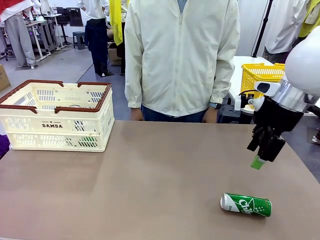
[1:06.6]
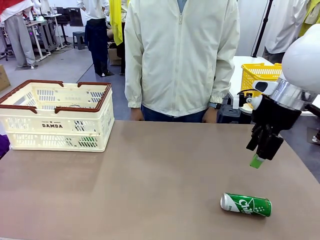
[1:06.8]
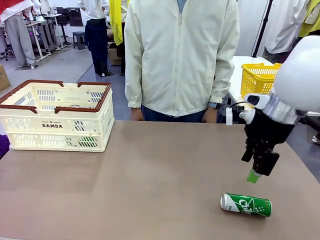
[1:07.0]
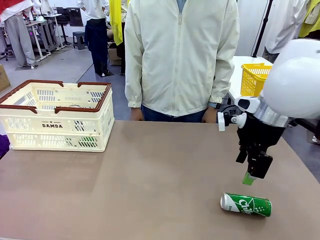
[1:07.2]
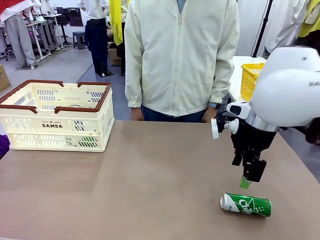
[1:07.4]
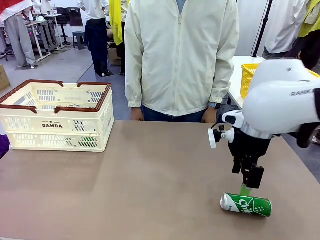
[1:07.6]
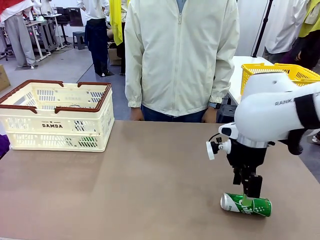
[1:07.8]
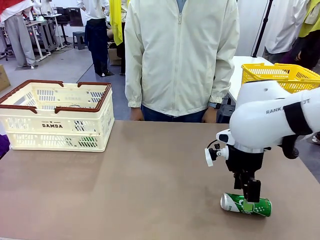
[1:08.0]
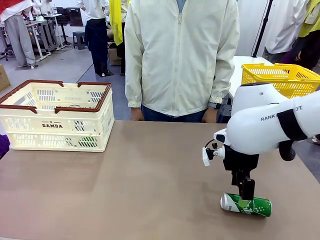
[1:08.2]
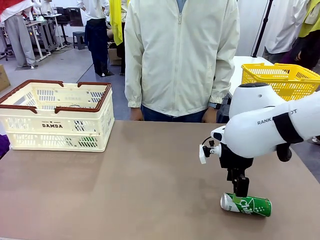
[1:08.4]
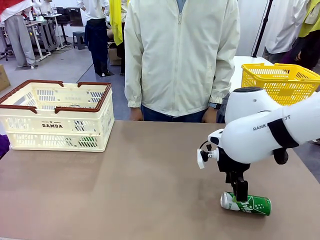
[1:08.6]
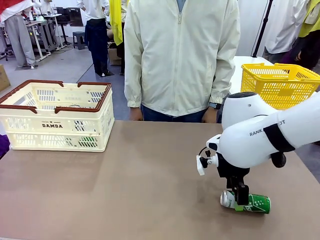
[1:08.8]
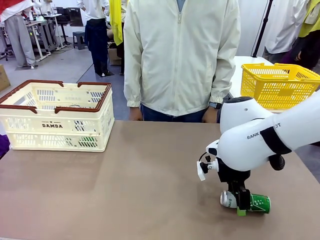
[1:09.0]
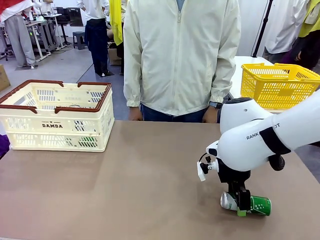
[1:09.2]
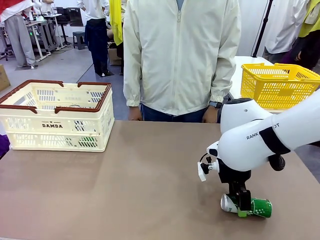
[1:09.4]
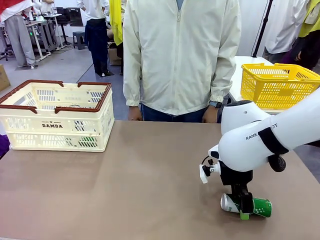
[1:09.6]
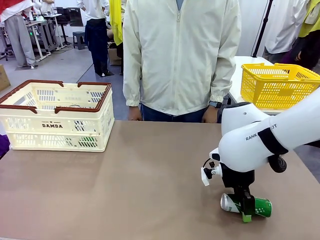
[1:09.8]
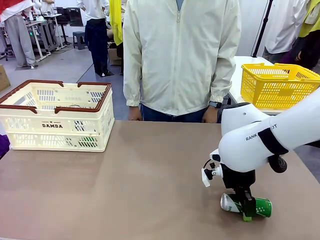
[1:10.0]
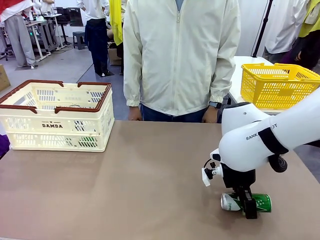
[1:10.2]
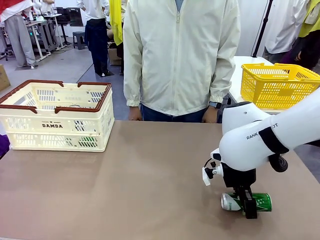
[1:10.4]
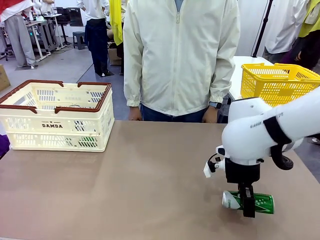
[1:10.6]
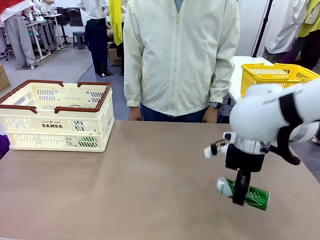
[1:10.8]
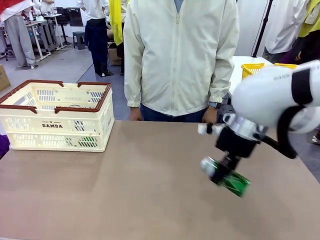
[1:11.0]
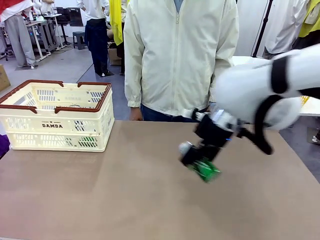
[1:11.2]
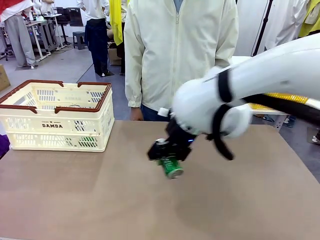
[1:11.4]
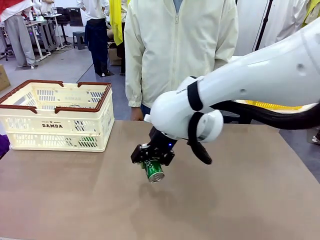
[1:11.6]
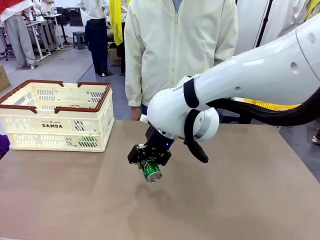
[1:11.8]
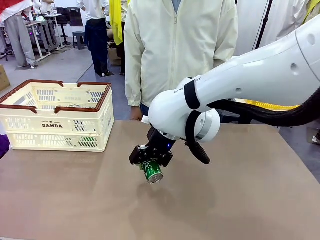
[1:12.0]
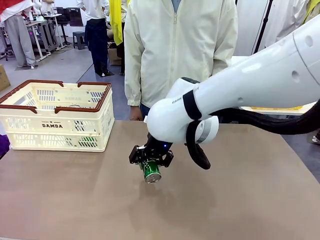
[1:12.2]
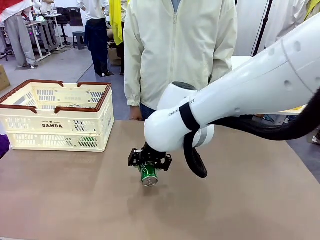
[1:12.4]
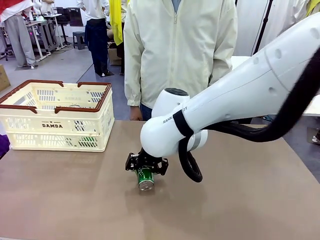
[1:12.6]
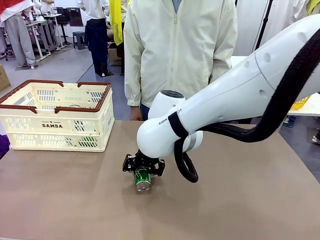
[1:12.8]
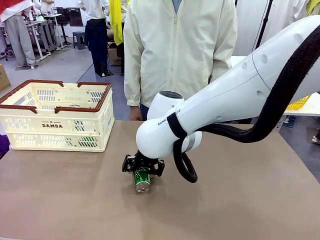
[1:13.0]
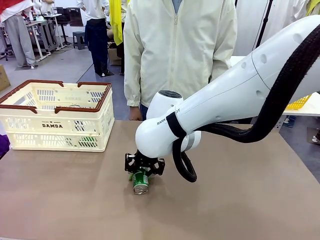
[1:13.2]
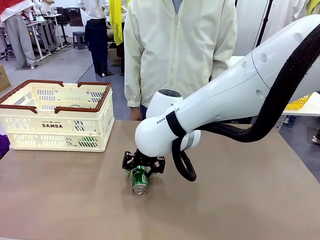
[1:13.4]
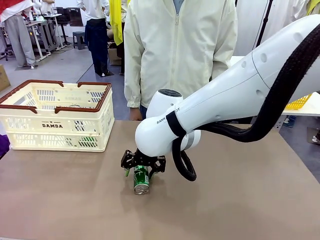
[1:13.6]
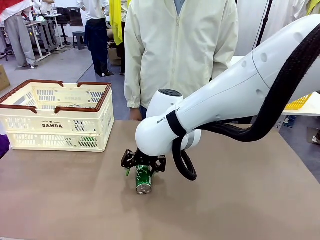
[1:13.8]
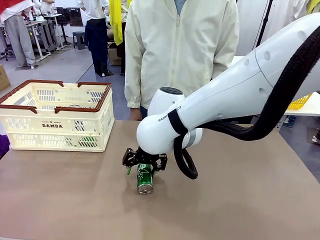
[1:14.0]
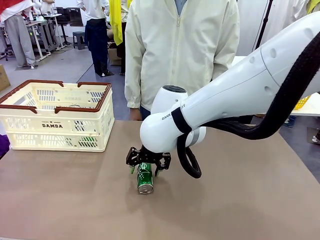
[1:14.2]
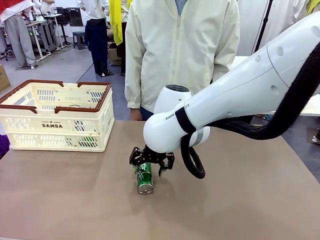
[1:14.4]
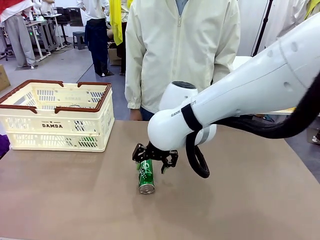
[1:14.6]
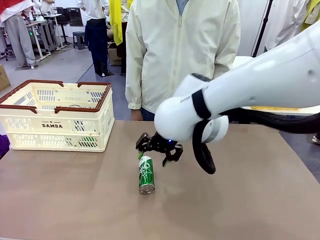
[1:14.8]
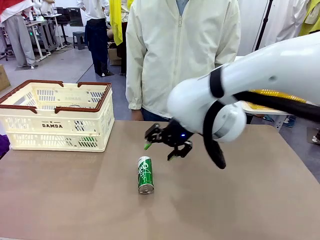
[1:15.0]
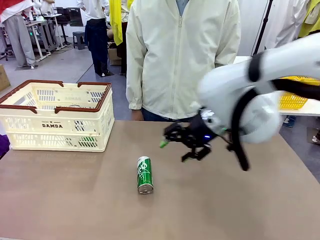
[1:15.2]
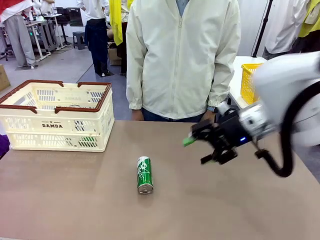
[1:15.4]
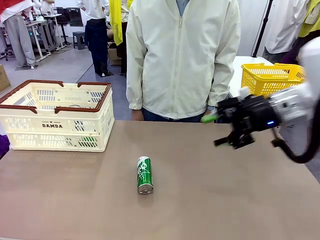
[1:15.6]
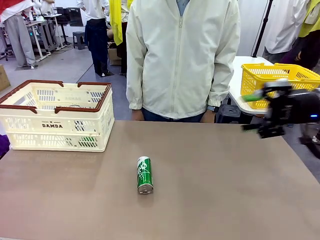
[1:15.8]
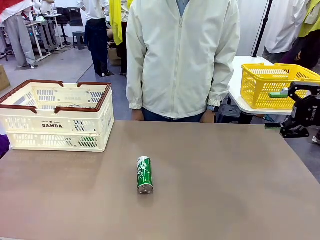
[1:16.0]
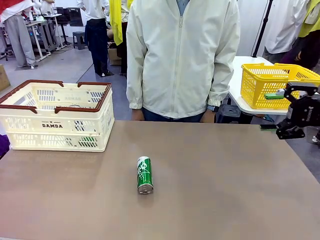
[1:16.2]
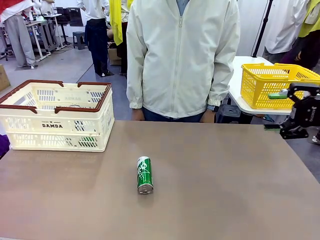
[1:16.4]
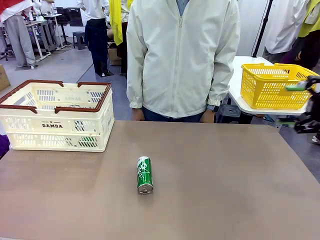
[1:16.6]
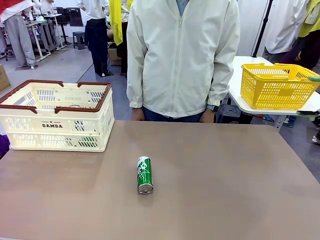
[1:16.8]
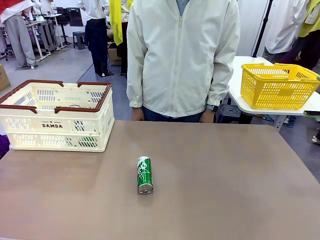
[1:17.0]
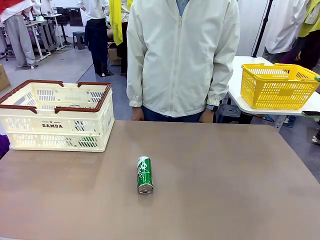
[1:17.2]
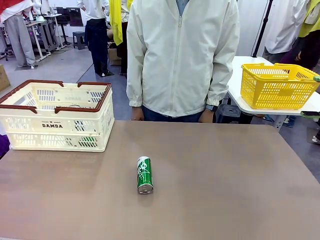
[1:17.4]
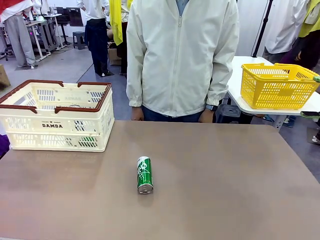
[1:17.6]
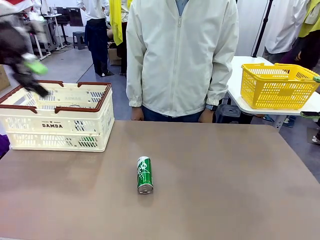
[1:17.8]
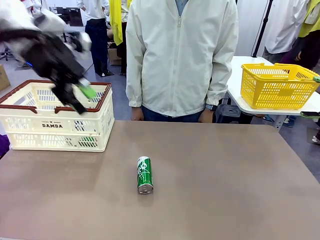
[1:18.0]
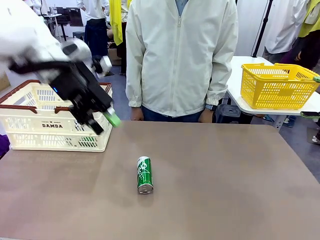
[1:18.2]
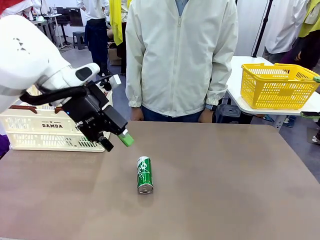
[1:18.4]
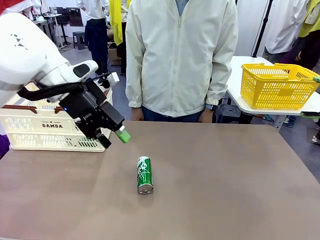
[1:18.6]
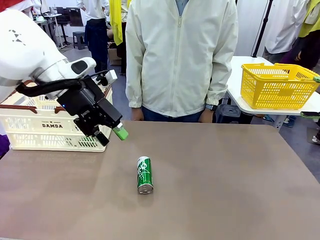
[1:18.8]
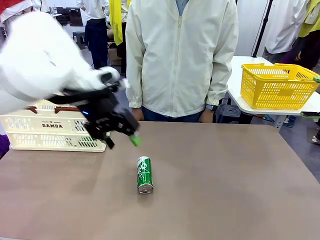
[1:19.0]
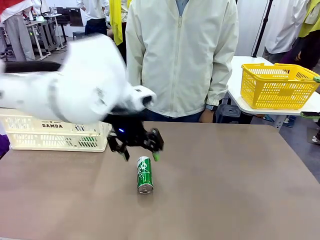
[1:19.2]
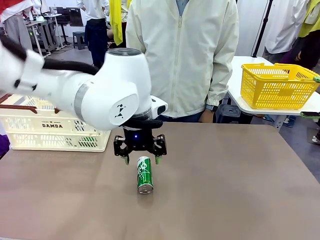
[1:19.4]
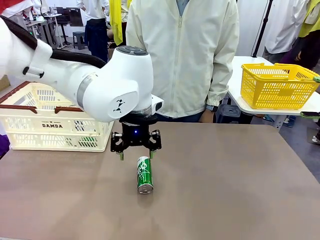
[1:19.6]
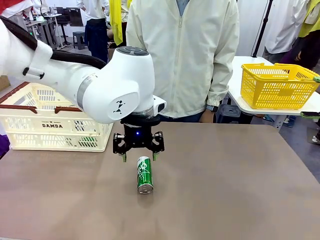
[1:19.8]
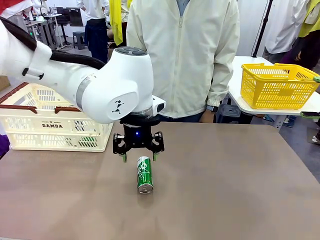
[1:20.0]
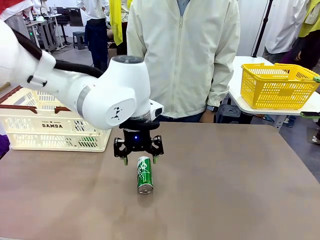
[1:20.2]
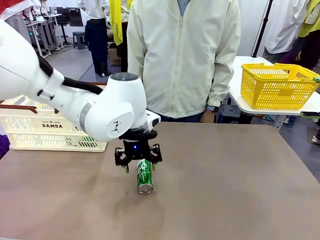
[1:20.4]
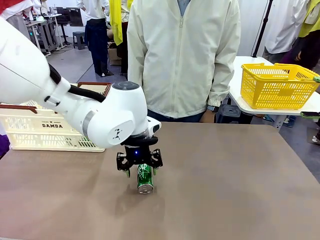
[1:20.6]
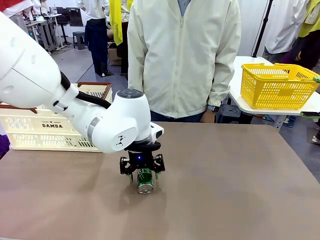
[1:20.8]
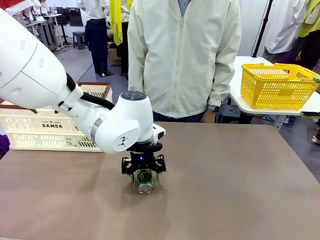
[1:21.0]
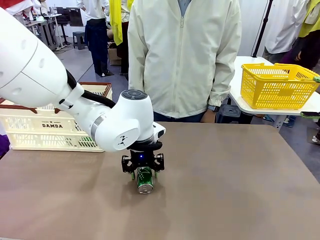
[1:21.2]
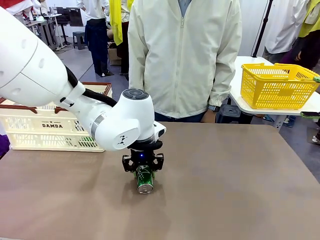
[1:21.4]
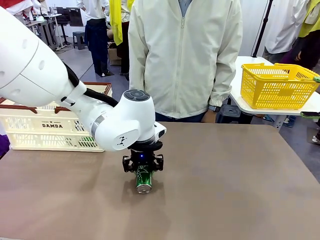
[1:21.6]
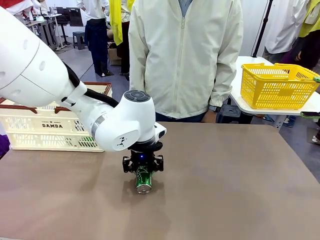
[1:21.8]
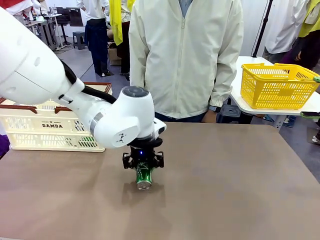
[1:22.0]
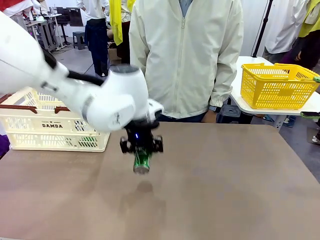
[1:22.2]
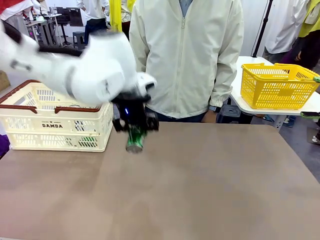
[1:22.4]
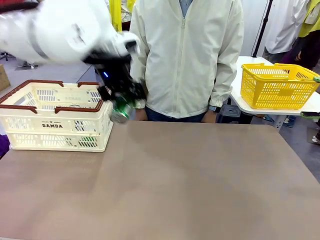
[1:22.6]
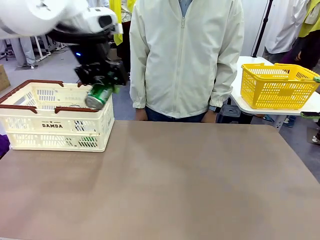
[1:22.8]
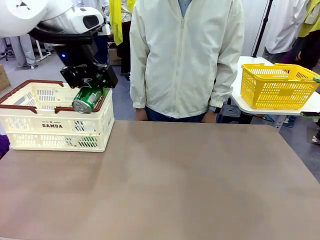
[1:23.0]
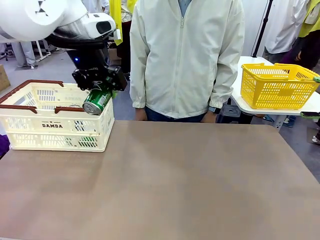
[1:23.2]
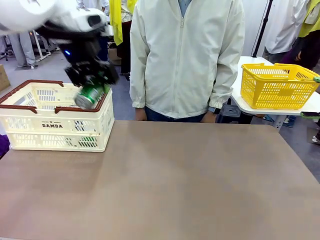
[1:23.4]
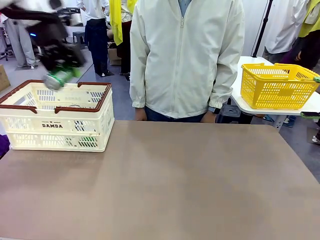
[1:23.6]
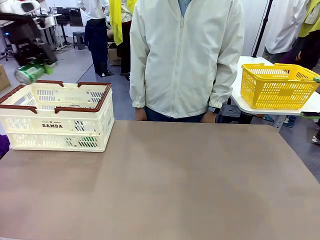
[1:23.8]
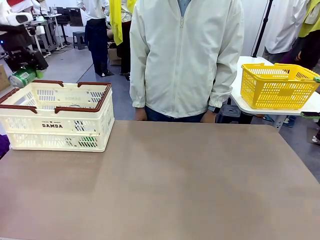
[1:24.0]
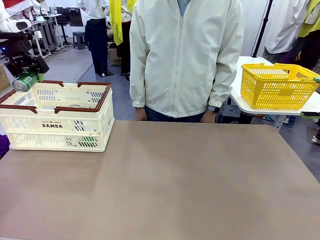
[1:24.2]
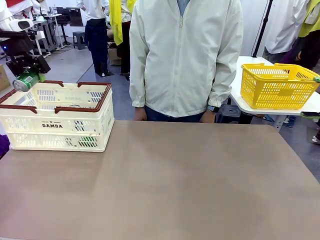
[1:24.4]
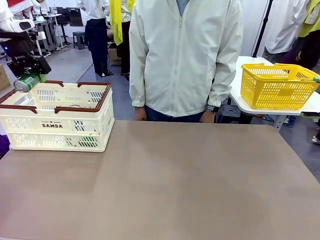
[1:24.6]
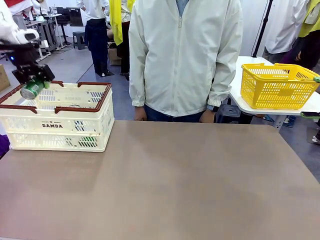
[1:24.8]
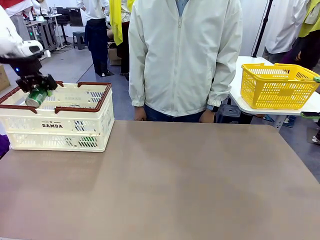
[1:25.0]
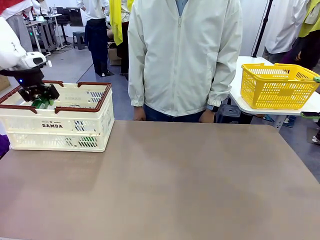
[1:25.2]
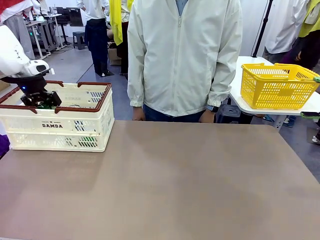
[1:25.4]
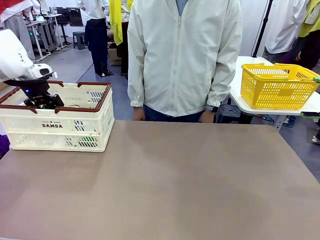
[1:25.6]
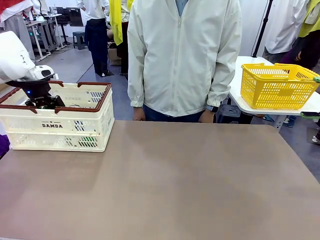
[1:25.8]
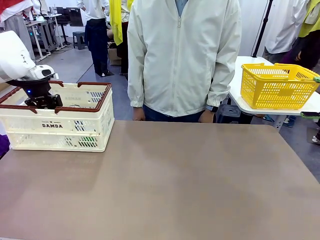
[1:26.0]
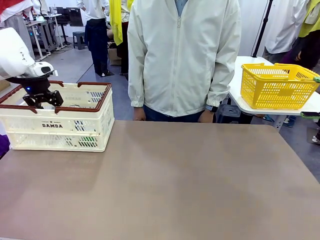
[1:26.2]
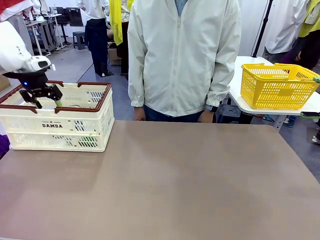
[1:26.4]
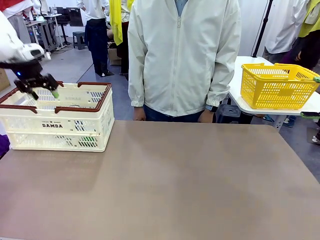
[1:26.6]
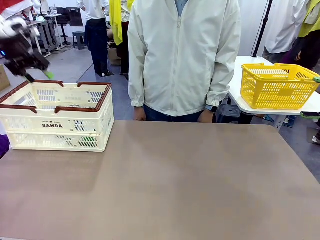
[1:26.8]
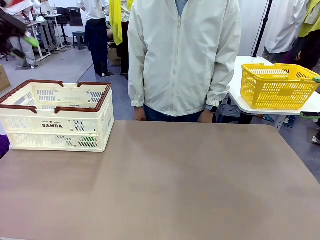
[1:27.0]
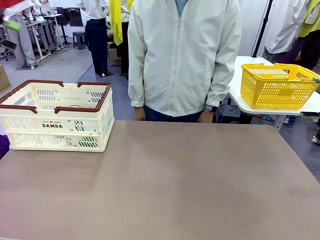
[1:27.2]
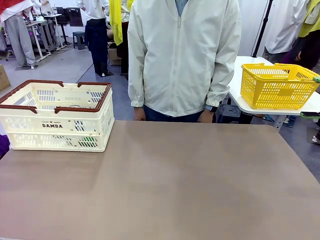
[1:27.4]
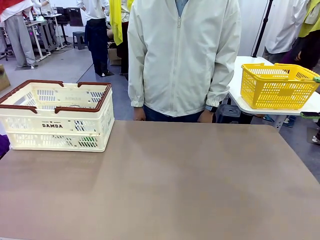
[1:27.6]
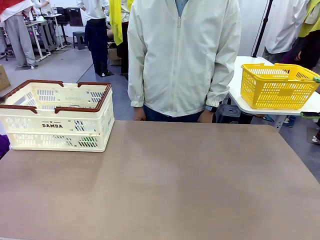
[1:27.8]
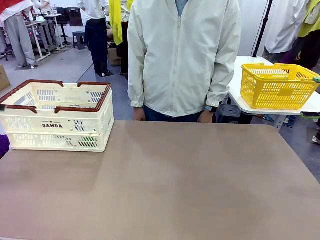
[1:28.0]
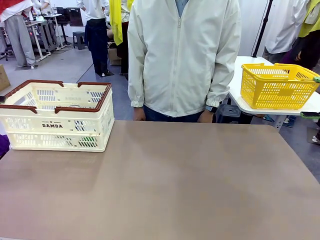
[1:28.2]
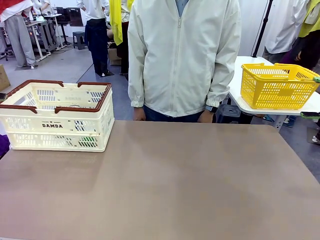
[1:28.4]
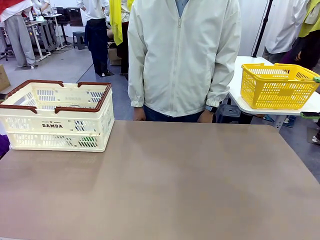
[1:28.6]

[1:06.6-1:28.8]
Task: Place the drinks into the Shopping basket.
Robot: Pick up one drink and place it into the Shopping basket.
